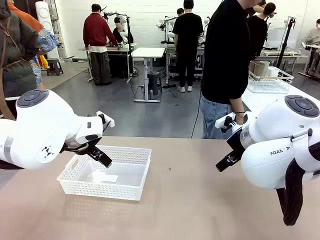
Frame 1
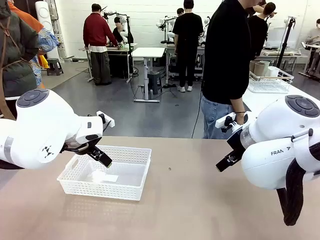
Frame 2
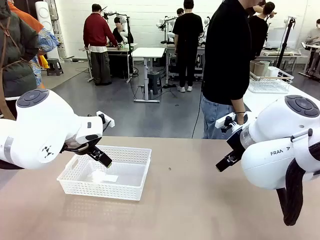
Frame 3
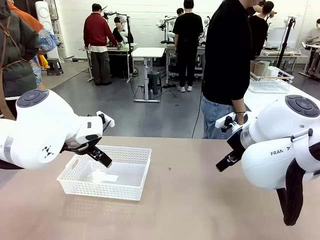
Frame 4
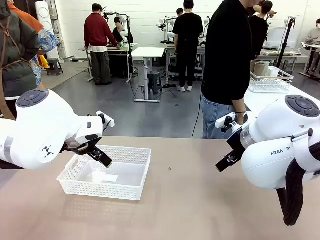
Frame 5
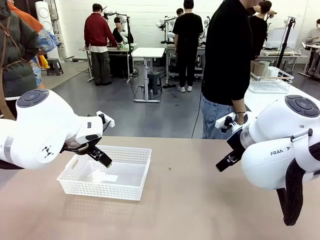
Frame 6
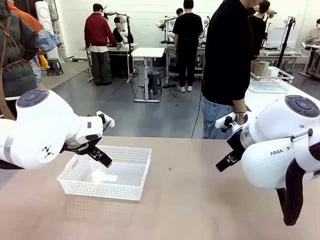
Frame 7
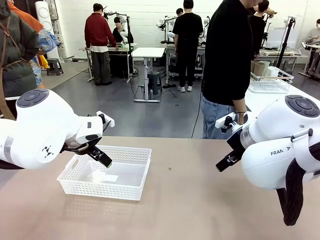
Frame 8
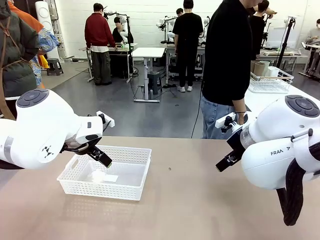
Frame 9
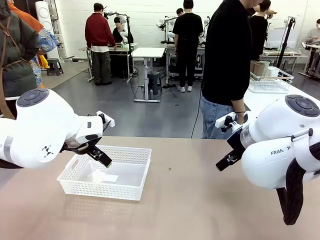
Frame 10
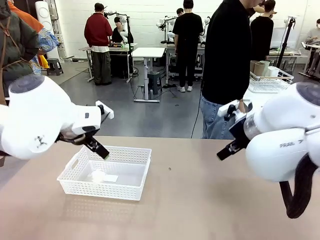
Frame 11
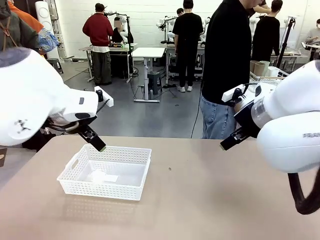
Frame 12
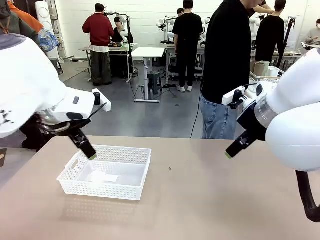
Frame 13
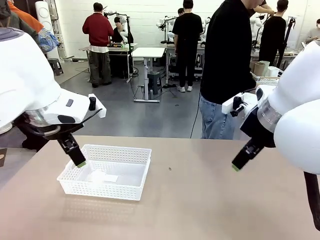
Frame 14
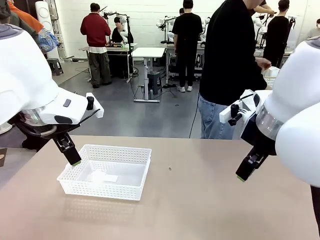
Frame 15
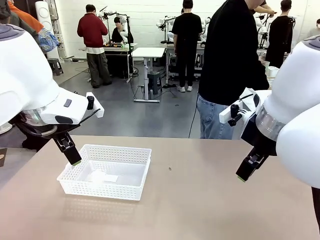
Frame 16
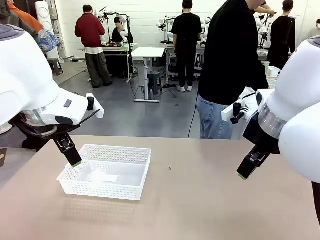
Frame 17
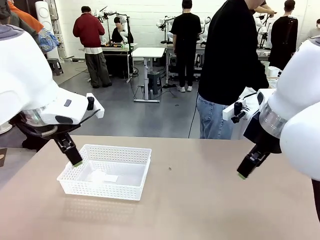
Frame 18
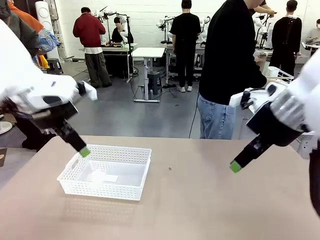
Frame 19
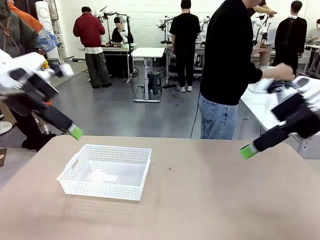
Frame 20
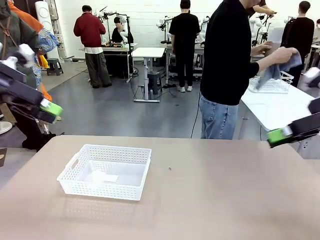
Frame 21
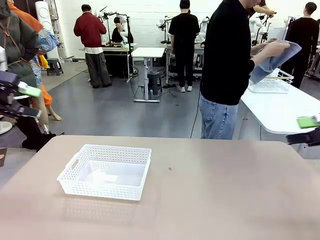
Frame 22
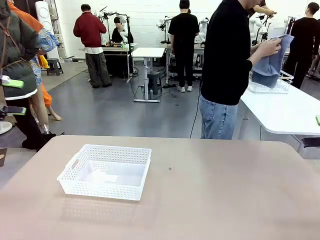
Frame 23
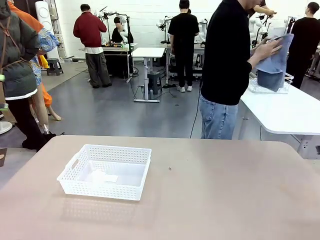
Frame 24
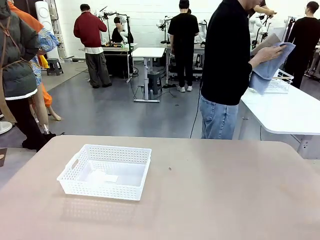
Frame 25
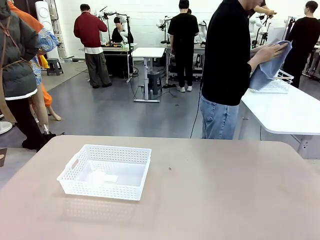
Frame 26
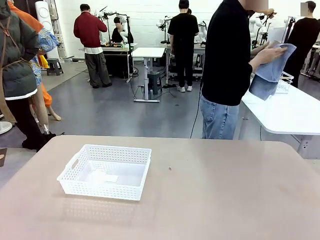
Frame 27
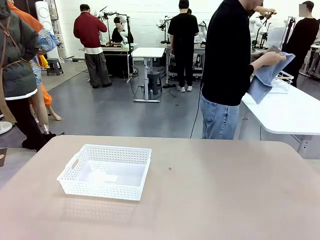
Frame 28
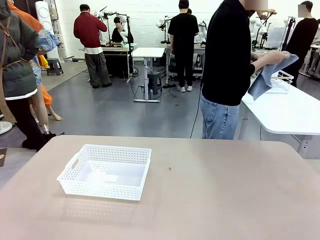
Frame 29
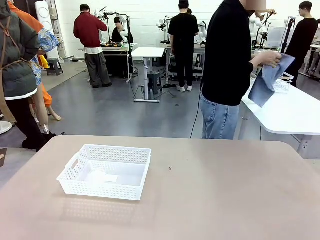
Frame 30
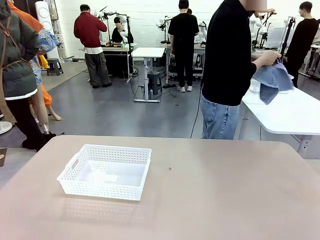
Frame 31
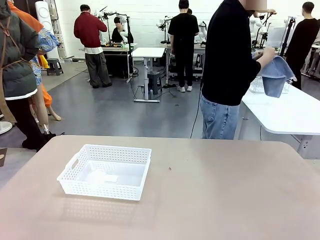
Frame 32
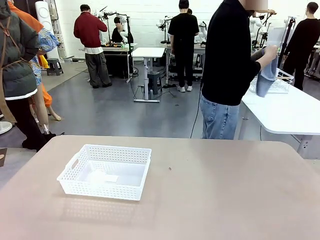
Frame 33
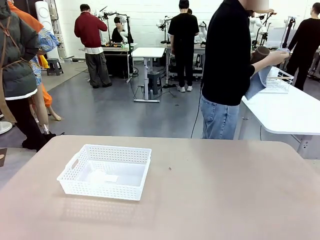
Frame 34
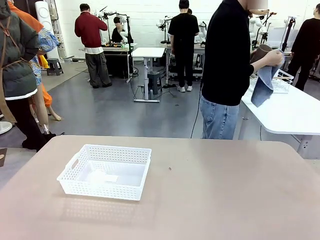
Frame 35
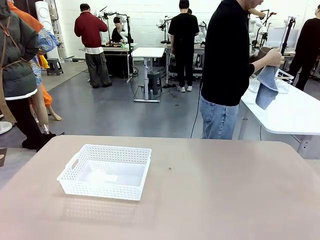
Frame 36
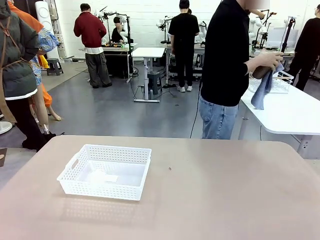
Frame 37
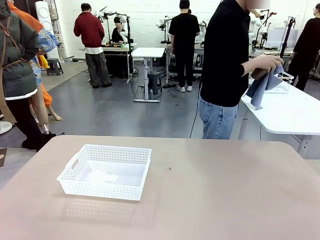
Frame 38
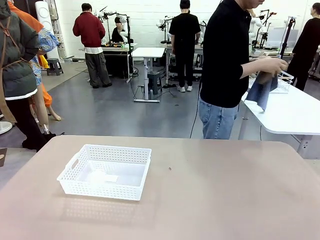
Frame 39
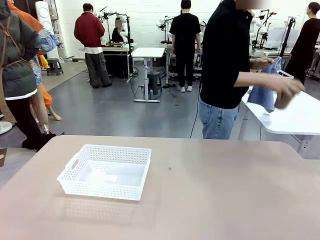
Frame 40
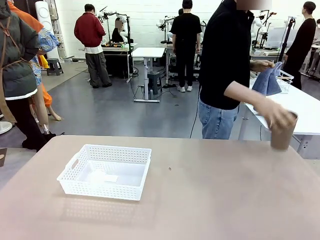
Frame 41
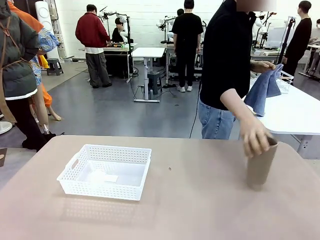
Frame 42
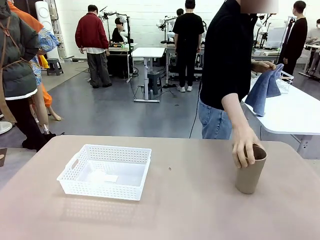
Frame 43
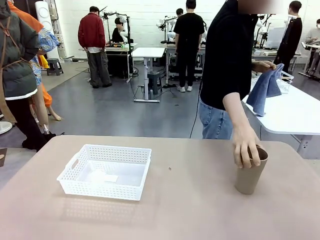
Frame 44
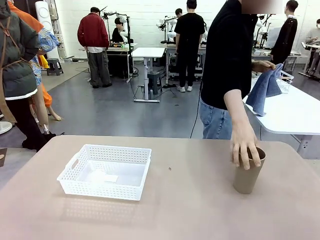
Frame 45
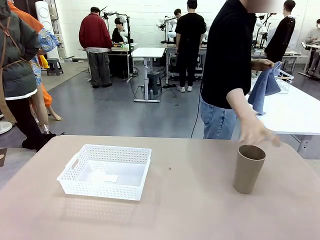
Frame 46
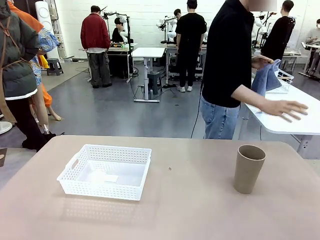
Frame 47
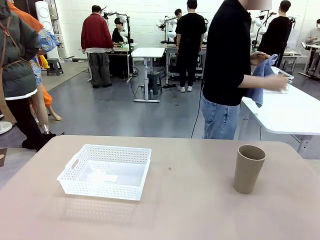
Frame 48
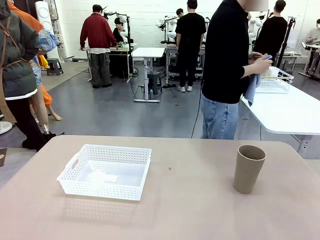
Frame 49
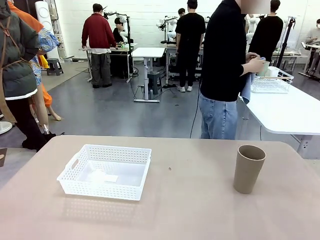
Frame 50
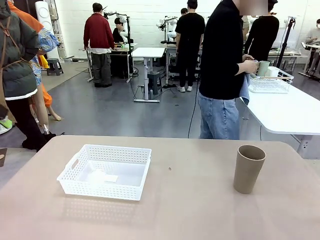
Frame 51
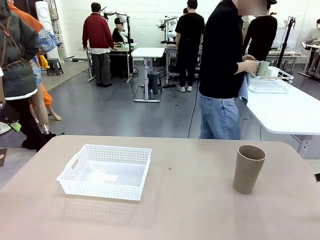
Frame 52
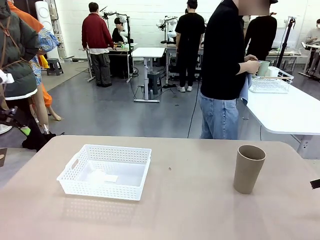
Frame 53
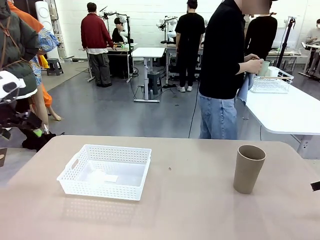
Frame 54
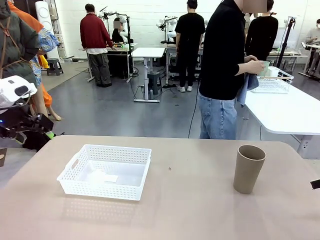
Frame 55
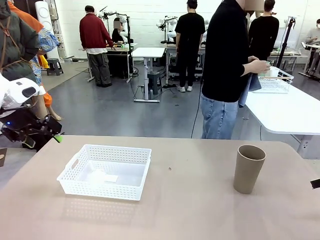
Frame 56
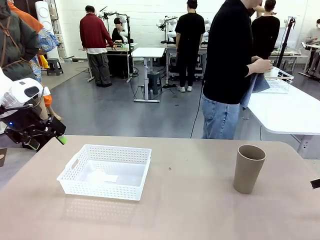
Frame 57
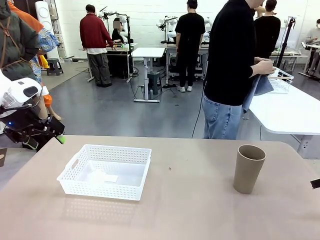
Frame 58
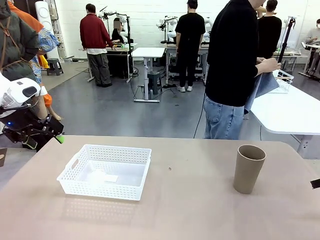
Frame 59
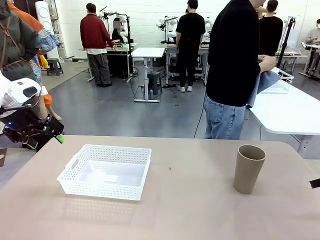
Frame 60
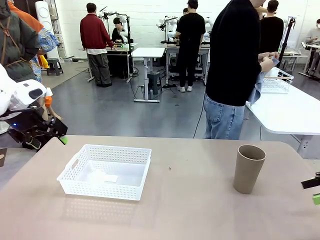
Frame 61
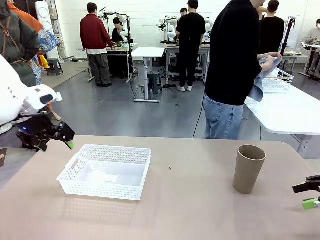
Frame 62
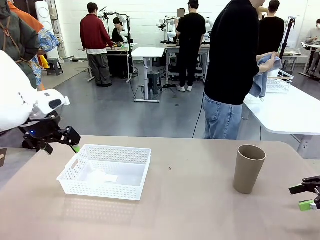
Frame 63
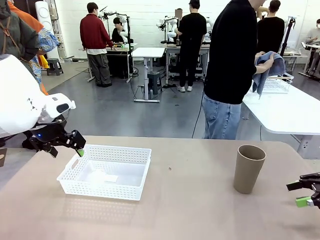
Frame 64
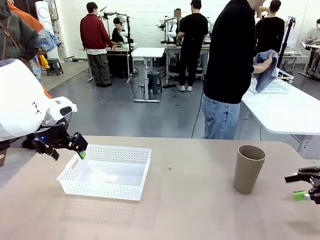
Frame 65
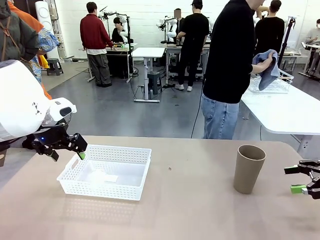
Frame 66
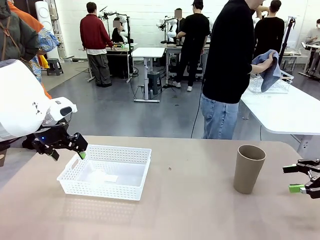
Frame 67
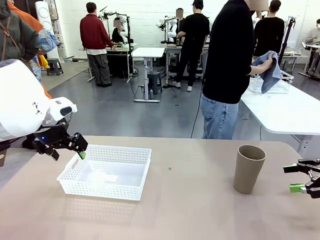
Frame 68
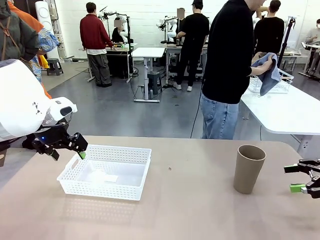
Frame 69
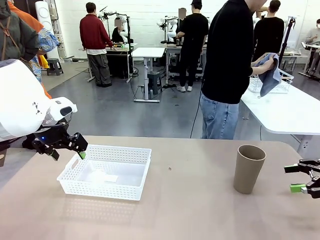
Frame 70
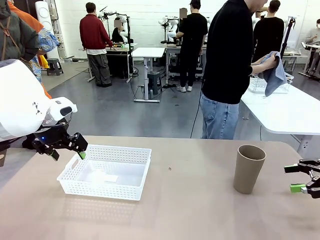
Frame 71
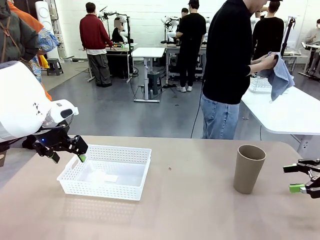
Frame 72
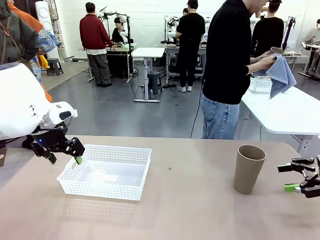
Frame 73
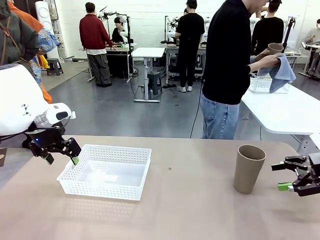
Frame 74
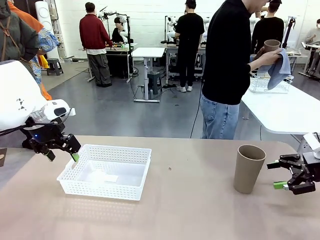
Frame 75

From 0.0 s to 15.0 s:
Task: Clean and organize the cups into the basket.
Robot: Pick up the Organizing basket and move it to the center of the table, then pick up the Reusable plastic cup from the right side of the table and place it inside the Organizing basket.
Person: Picks up a cup and a towel, cleans the cup with the towel, and places it on the left side of the robot table.
